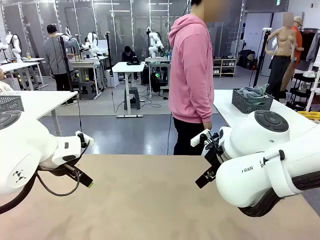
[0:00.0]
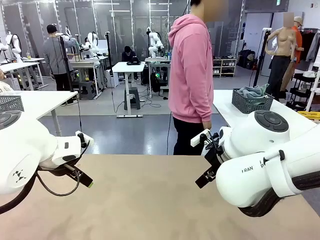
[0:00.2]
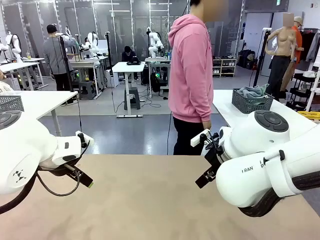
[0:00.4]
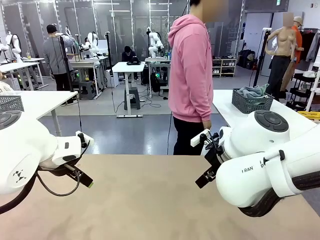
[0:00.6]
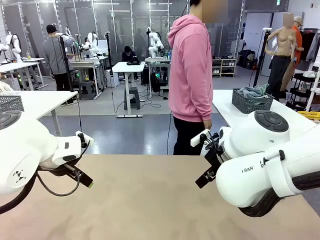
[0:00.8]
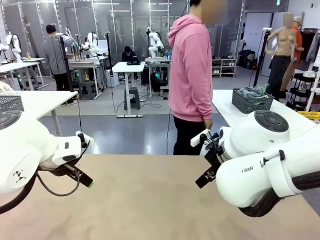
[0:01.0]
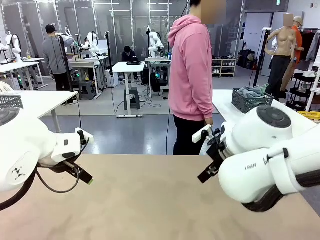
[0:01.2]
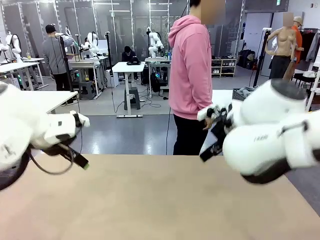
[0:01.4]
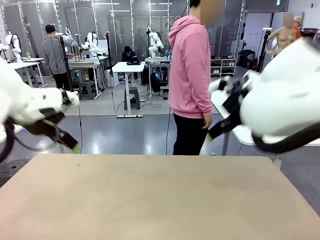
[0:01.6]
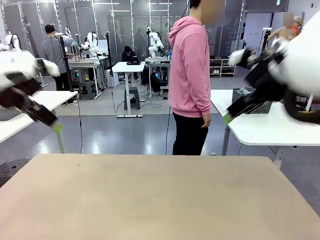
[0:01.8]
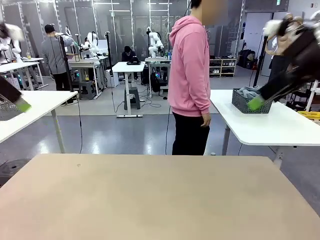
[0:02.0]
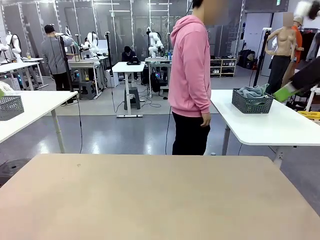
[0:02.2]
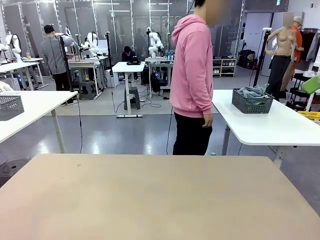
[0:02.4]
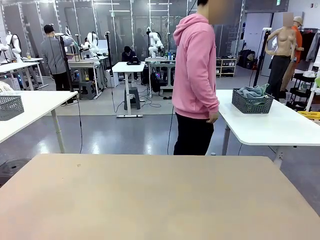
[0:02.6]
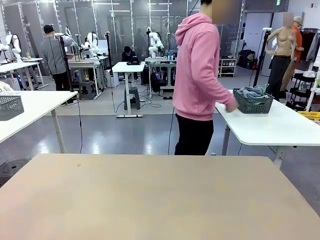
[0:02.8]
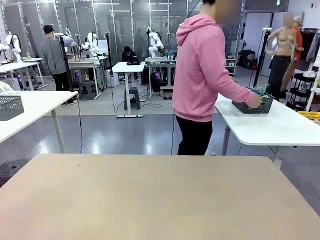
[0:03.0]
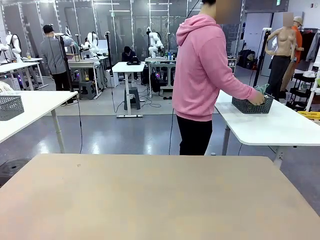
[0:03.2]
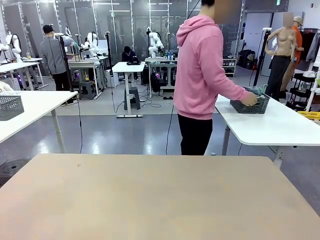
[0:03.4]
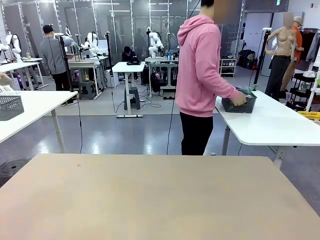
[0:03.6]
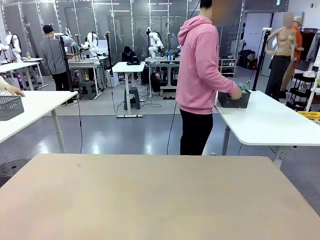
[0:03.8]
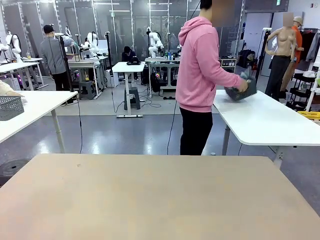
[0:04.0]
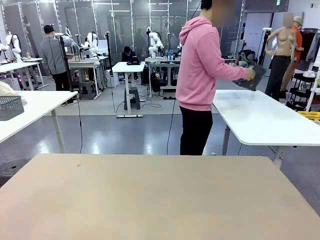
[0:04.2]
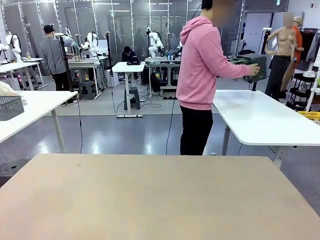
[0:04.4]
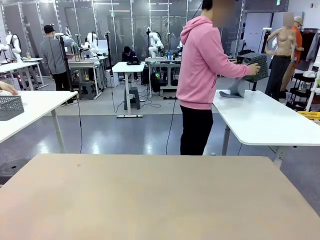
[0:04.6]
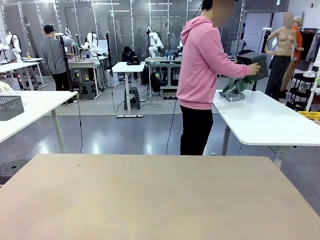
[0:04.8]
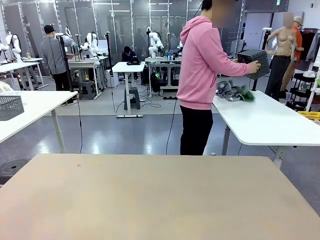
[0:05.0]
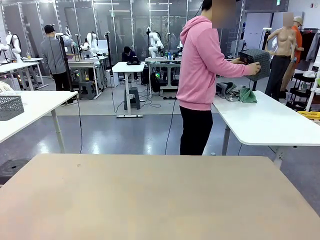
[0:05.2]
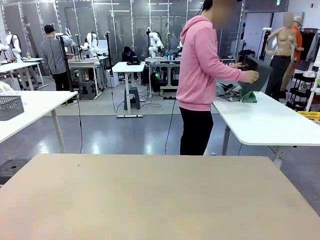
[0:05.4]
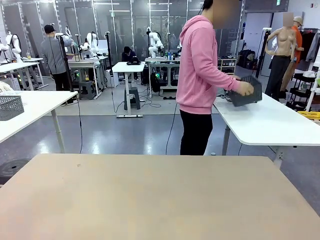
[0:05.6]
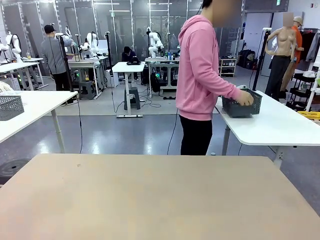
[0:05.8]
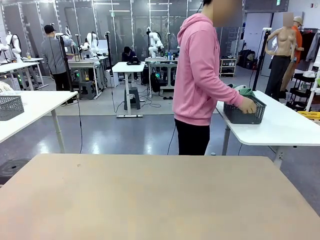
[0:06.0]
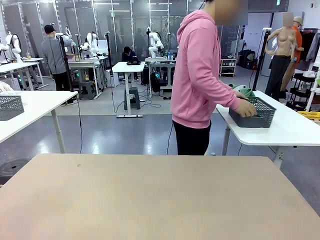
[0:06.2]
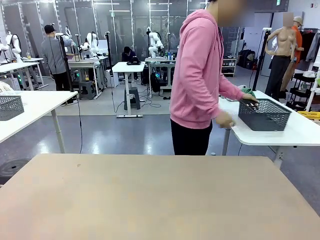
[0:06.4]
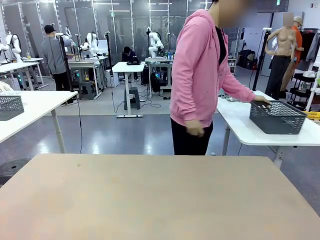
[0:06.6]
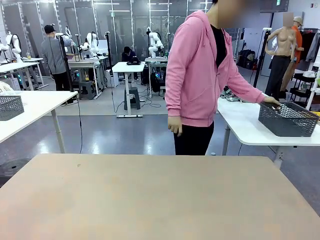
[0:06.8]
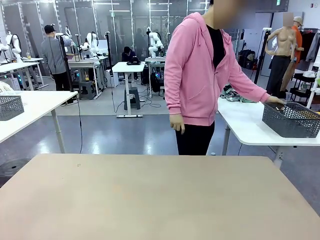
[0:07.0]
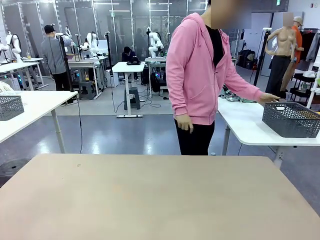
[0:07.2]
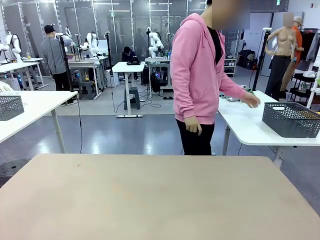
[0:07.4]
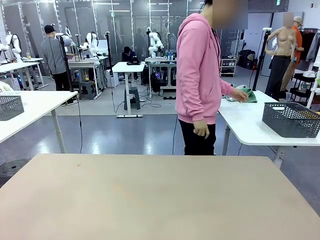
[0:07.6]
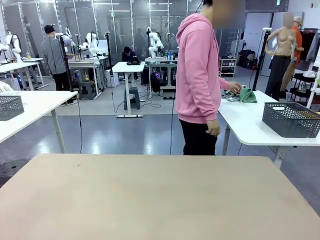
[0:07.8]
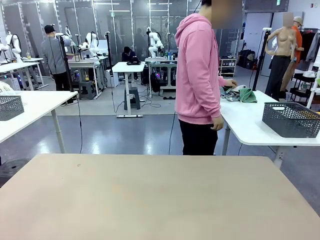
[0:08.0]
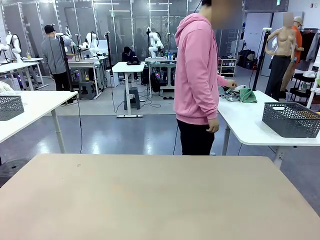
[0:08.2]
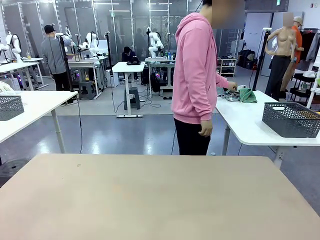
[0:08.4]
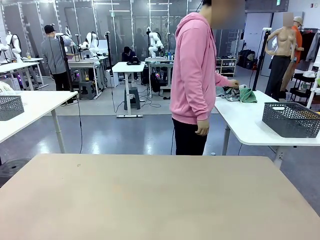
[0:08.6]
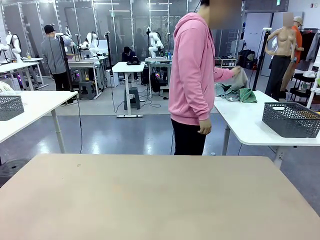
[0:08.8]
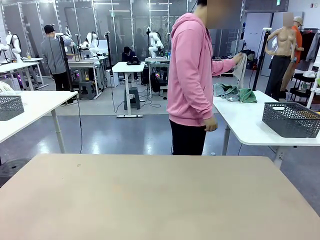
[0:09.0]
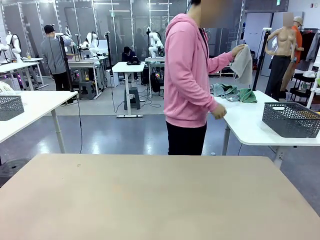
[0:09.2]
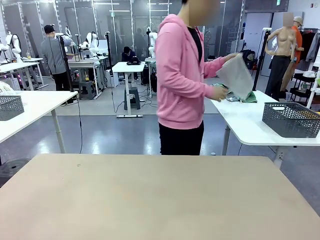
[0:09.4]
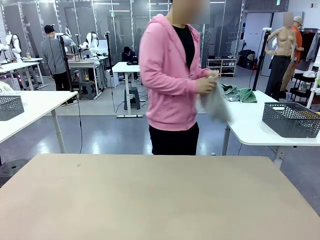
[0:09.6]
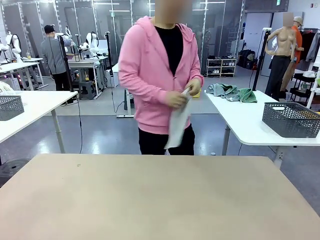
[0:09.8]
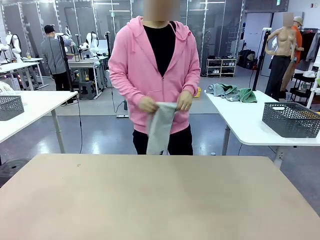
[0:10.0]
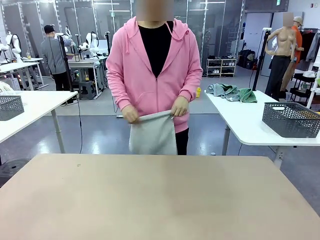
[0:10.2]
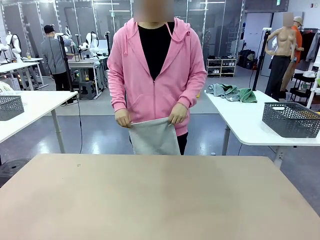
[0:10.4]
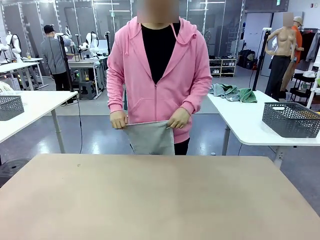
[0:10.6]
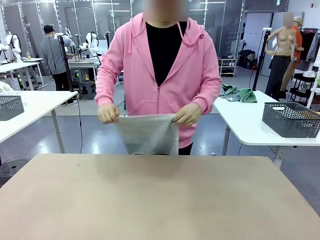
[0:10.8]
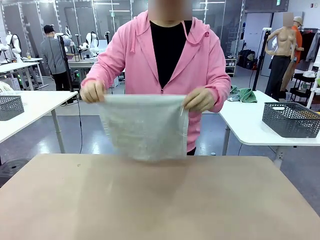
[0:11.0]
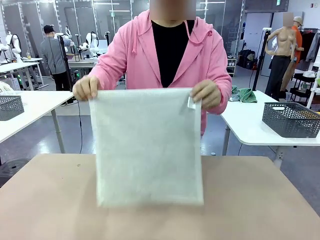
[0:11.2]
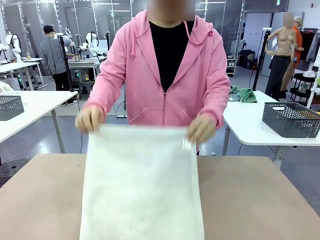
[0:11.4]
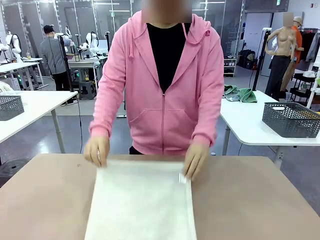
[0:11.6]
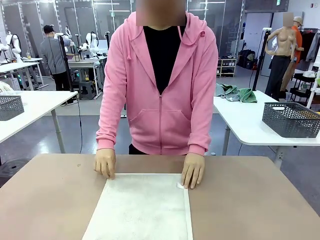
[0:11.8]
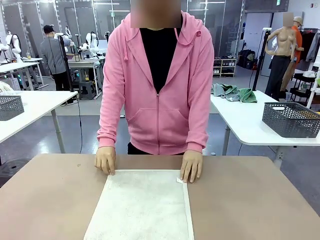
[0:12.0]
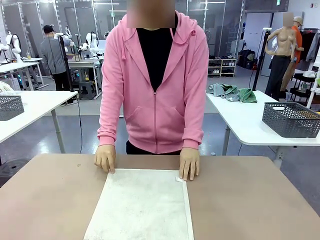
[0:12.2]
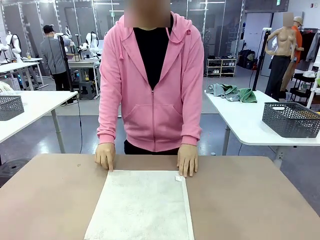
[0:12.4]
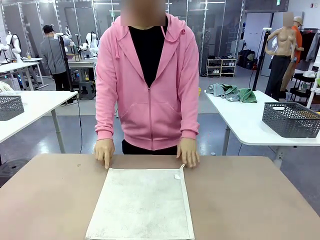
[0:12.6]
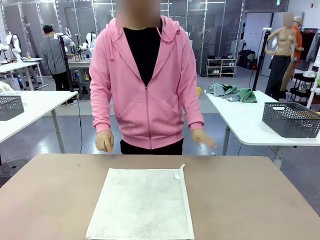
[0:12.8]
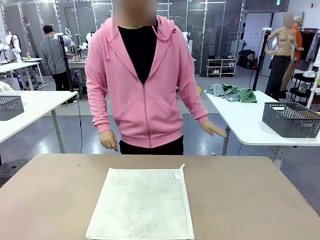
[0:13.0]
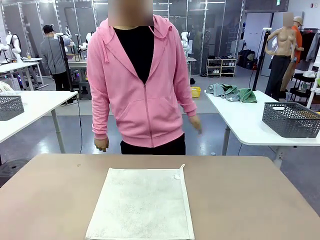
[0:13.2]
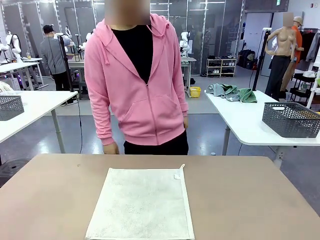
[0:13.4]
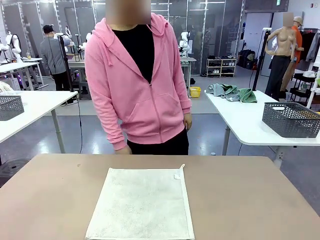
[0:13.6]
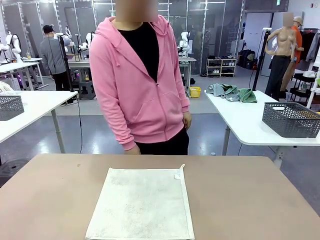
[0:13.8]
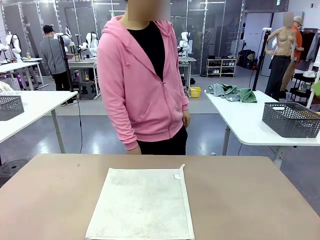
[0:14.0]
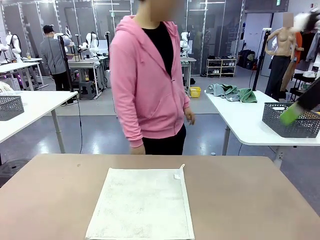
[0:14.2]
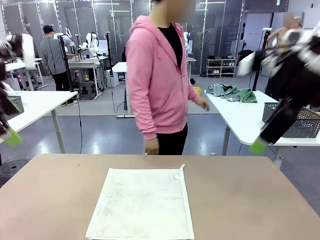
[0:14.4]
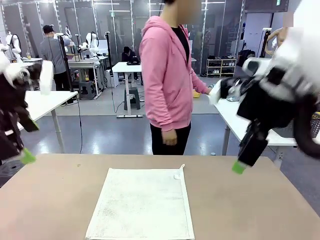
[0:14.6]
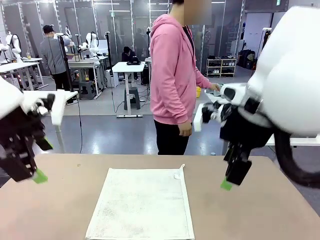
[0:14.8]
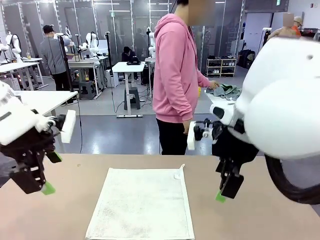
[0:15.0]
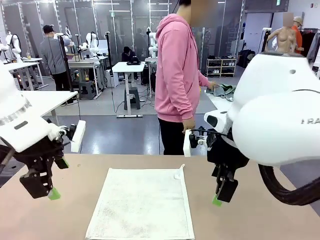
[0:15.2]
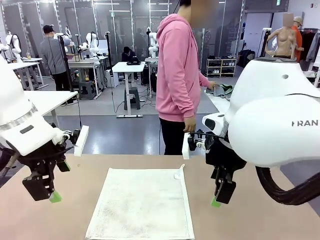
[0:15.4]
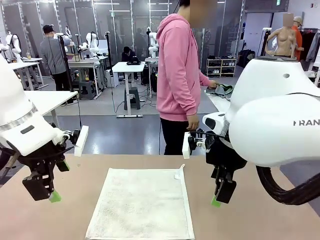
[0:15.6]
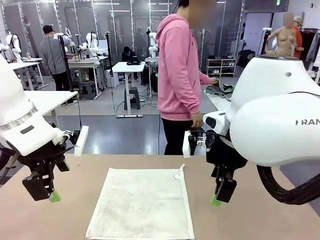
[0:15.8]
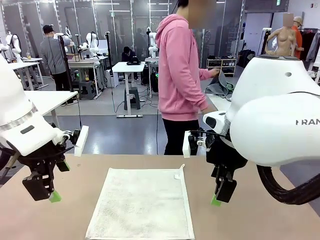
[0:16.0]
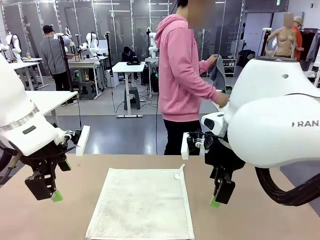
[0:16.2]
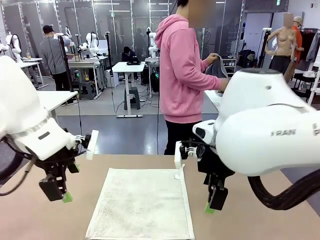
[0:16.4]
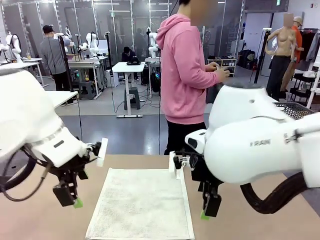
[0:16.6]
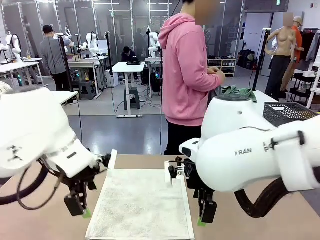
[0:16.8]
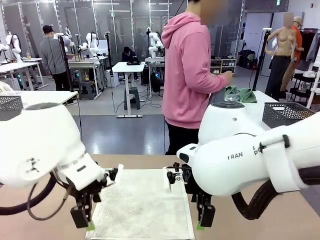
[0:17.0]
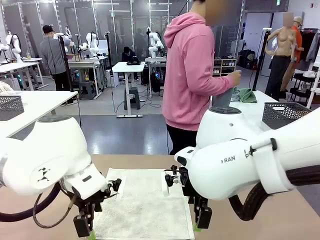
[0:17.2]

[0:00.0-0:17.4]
Task: Fold the towels and place them in the basket.
Robot: When a person lays out a Towel with hook on the table, fold it in half twice.
Person: Pick up the basket, pour the towels onto the left side of the human table, and place the basket on the right side. Pick up one towel and spread it out at the center of the robot table.
